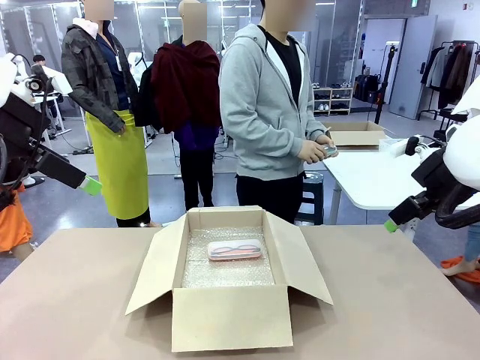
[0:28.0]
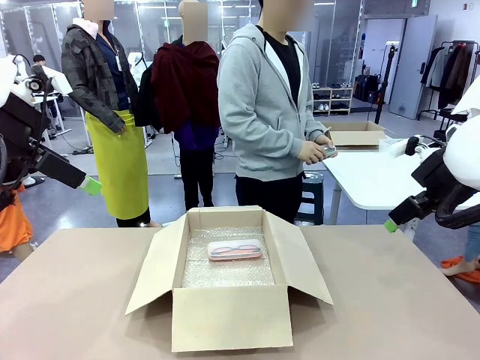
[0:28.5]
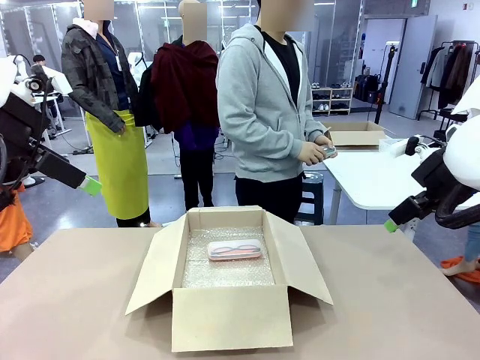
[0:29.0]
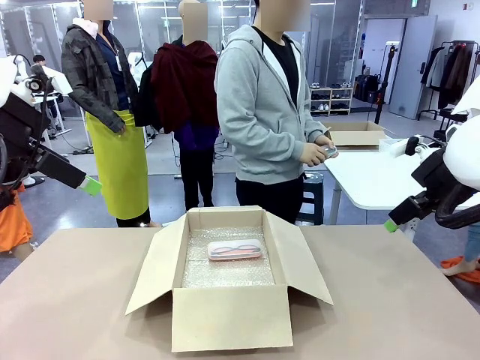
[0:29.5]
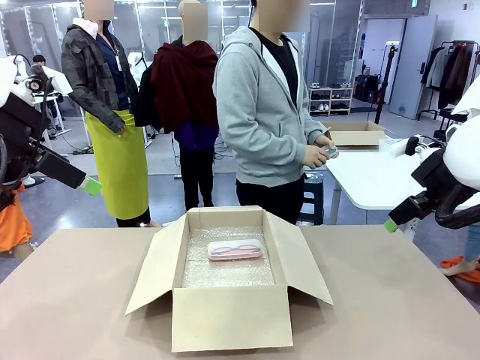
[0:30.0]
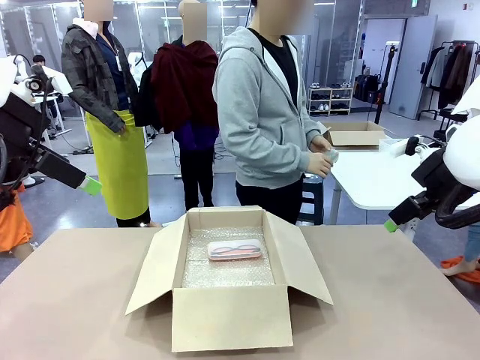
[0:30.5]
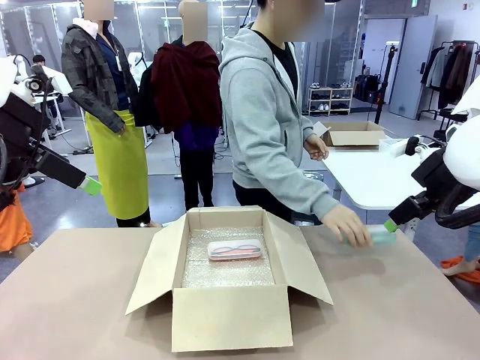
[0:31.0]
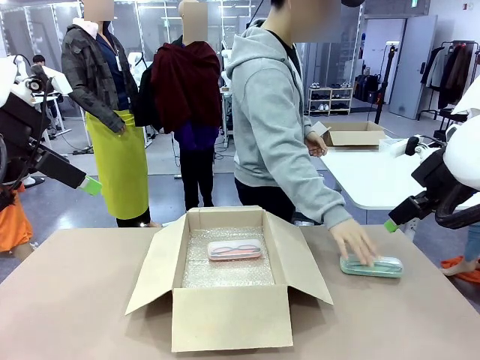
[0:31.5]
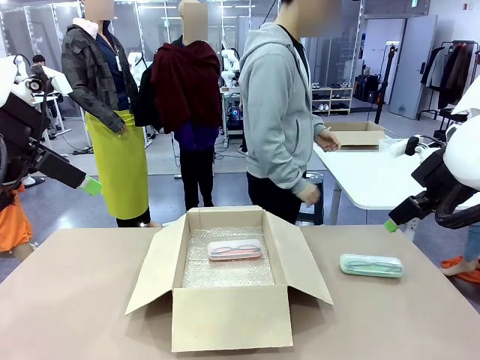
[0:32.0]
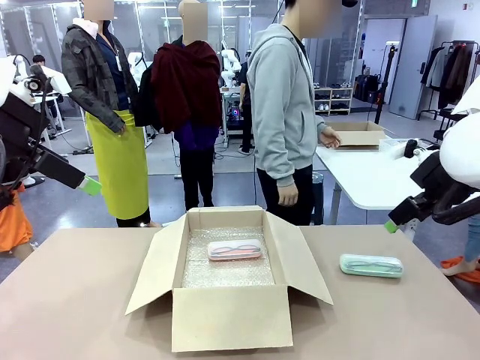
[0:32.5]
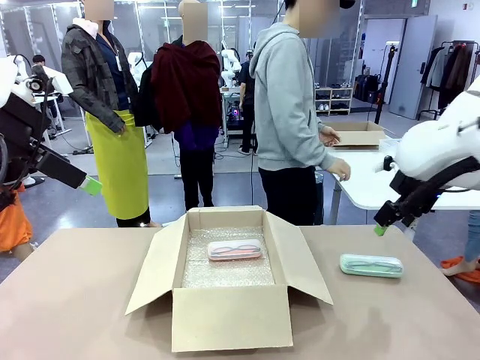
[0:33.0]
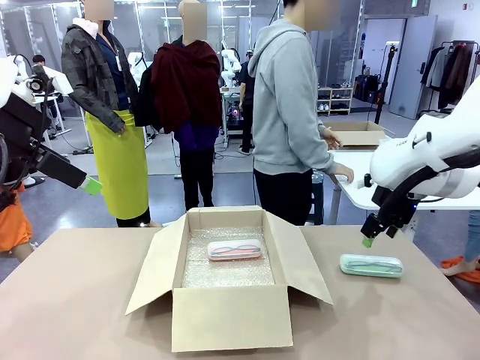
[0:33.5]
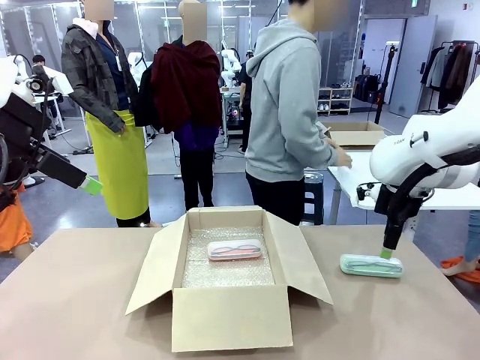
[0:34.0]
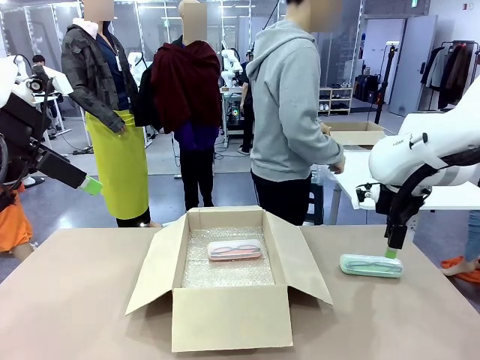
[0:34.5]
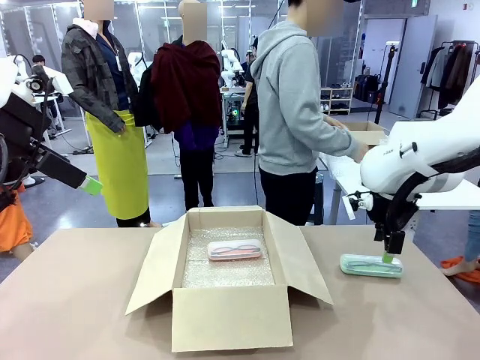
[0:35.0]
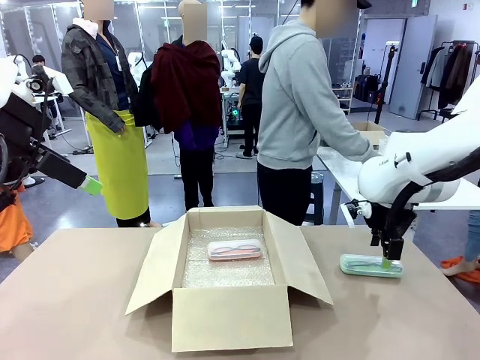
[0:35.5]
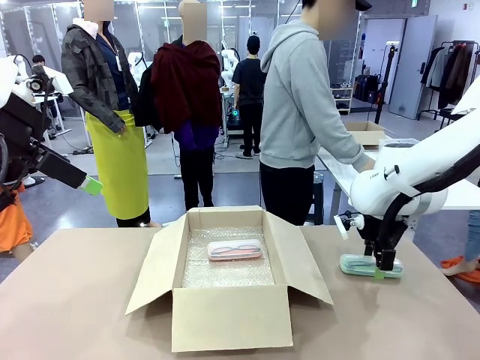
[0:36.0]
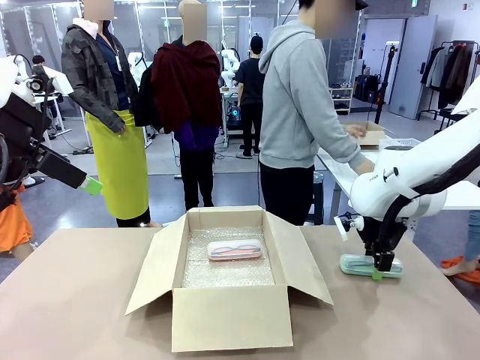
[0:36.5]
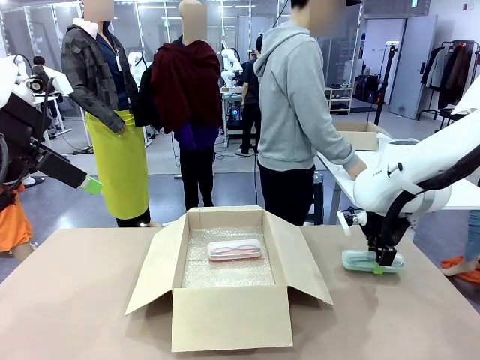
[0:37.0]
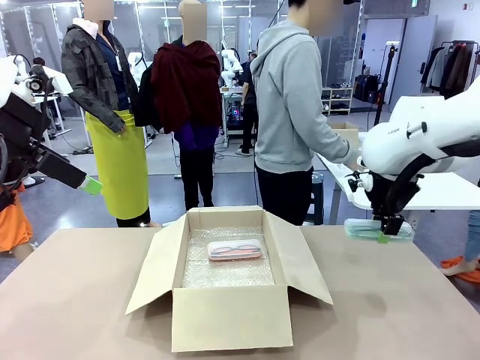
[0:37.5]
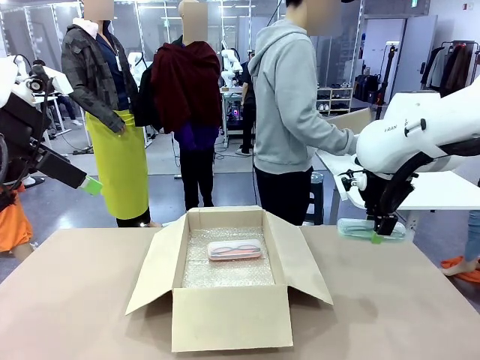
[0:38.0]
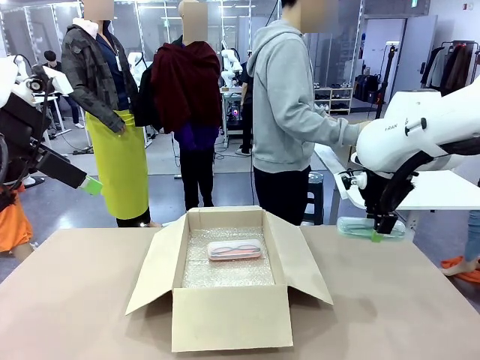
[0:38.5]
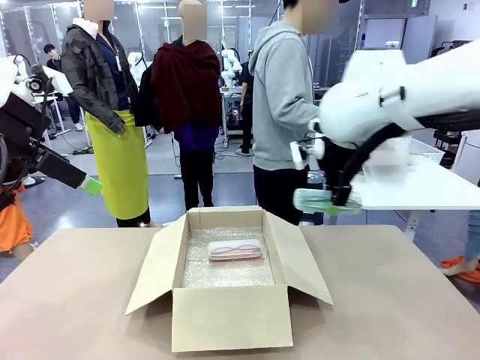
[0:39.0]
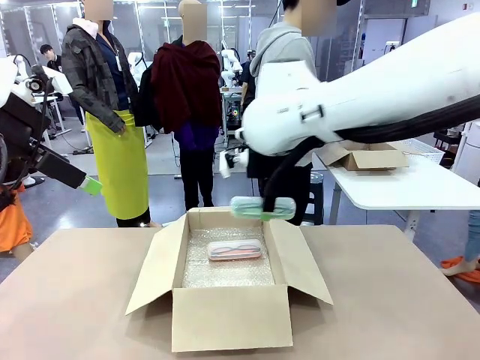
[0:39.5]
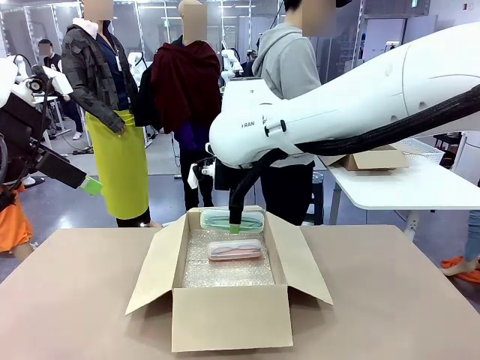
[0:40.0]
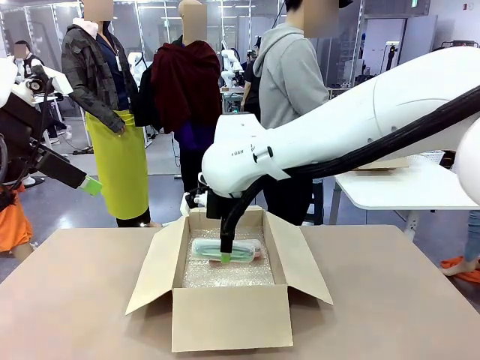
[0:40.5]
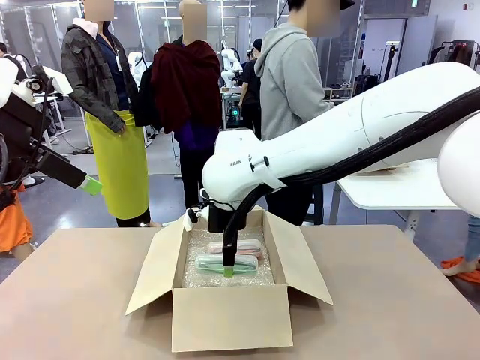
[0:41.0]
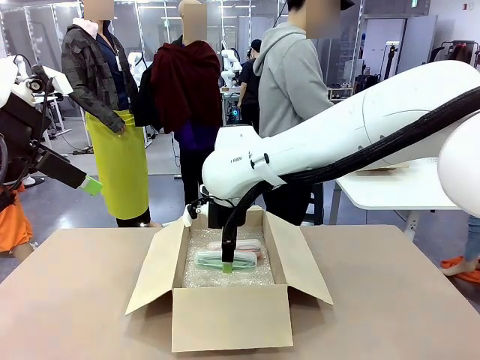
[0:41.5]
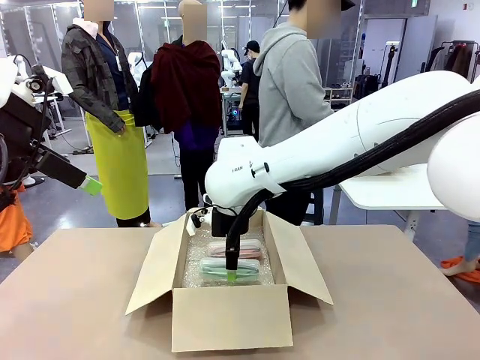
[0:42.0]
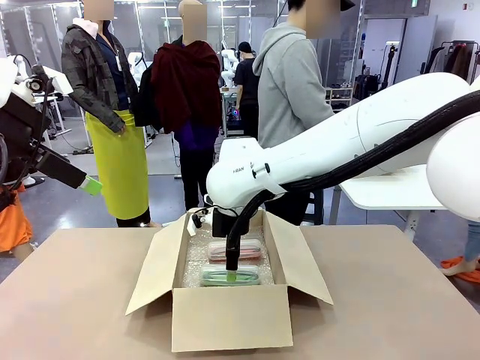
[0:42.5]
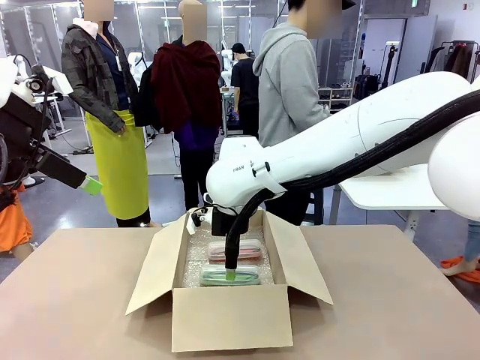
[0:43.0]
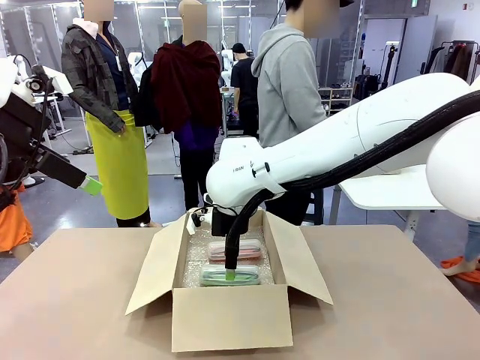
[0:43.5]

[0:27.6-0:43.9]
Task: Pack the glasses set securely to prepare it for shipping.
Robot: Put the Glasses case from the right side of the table into the Package Box.

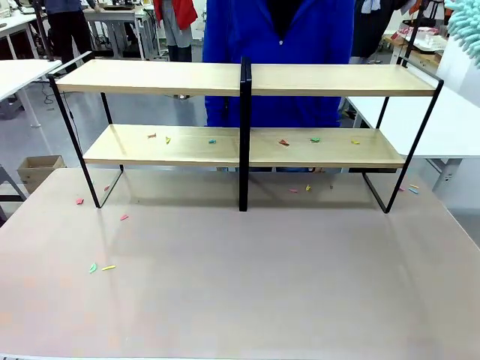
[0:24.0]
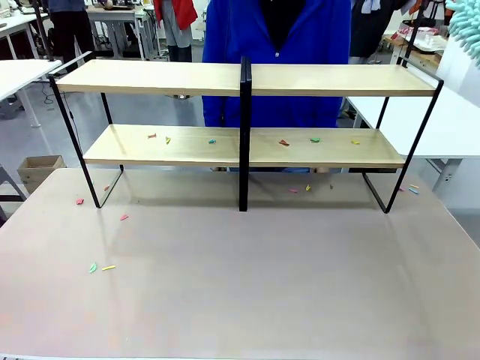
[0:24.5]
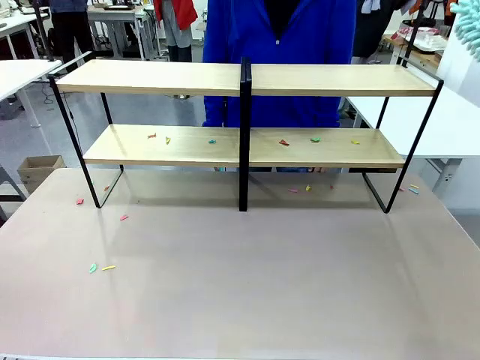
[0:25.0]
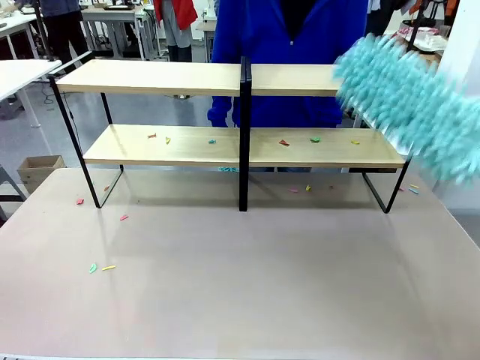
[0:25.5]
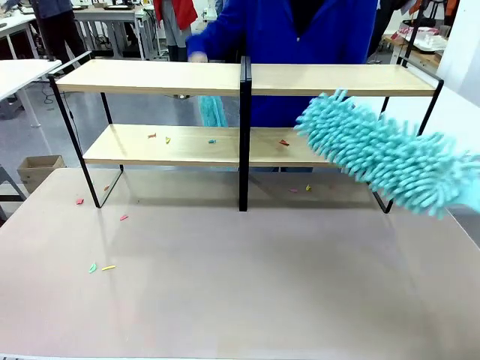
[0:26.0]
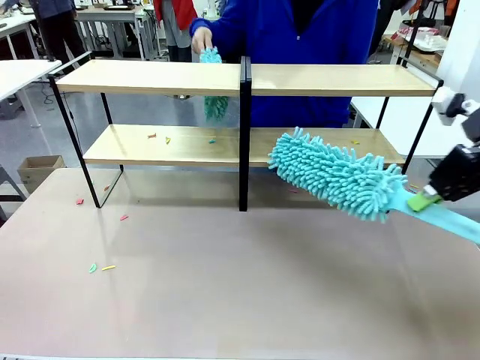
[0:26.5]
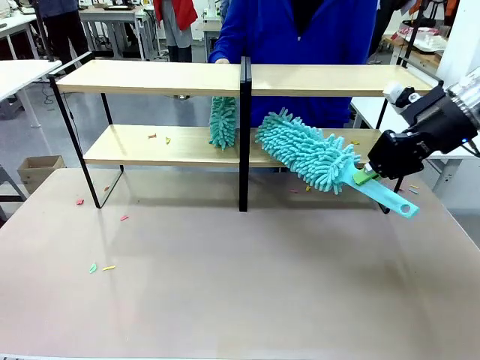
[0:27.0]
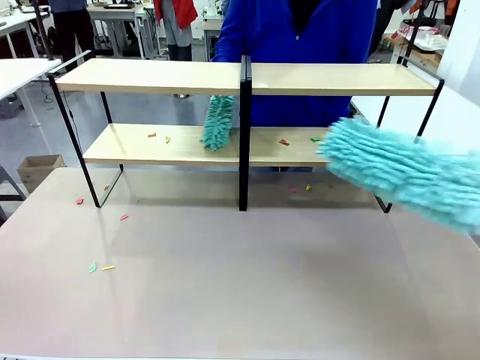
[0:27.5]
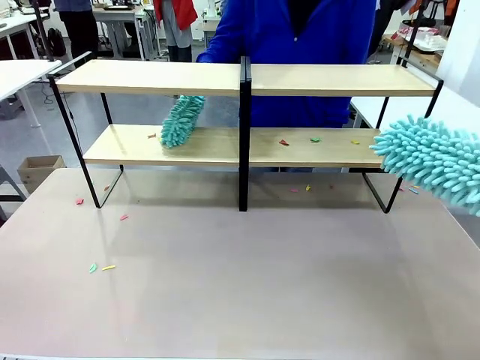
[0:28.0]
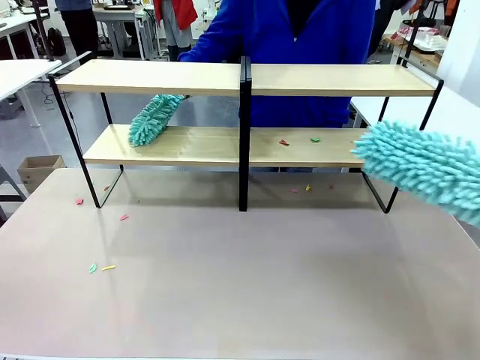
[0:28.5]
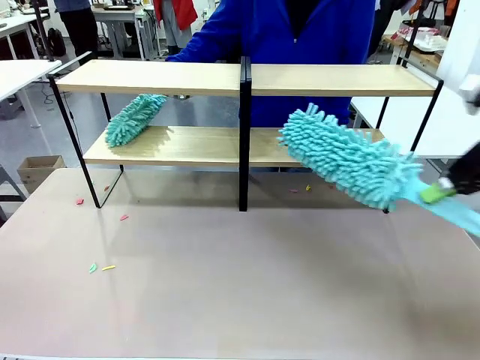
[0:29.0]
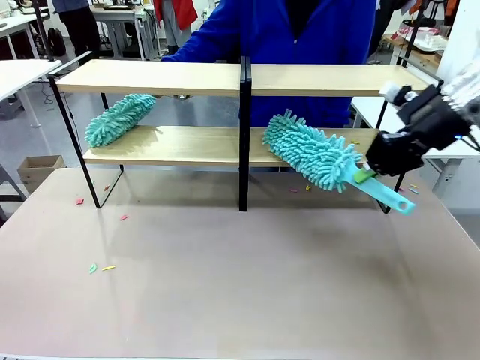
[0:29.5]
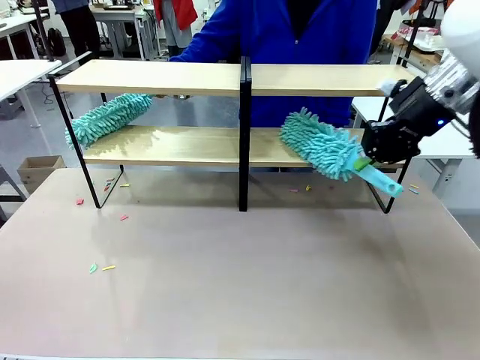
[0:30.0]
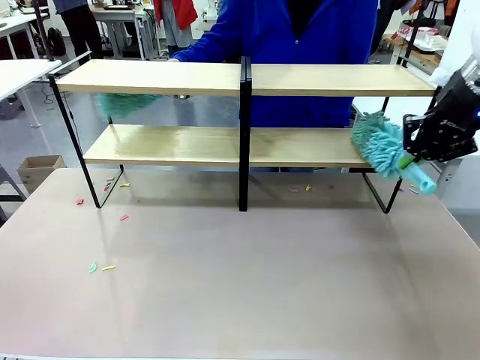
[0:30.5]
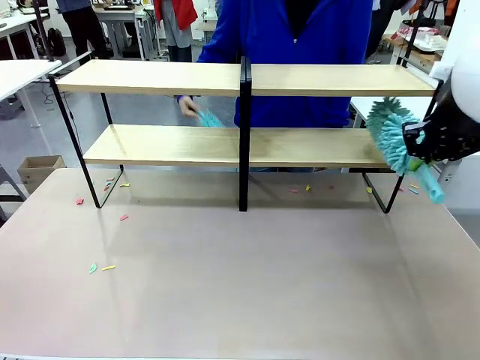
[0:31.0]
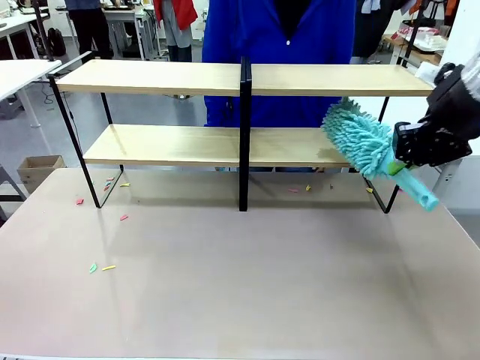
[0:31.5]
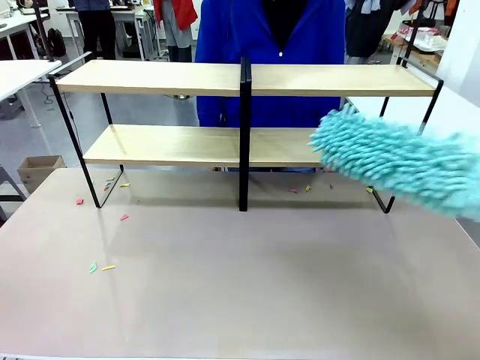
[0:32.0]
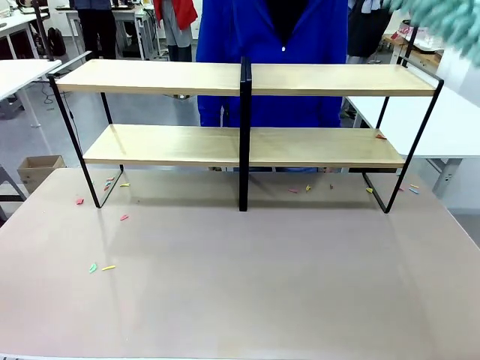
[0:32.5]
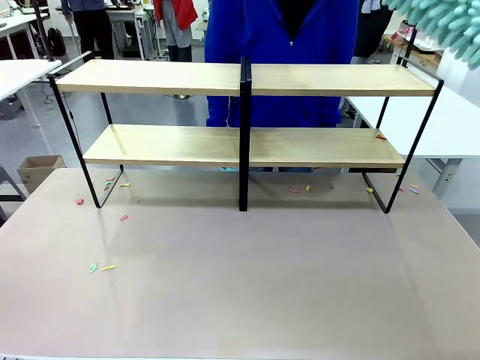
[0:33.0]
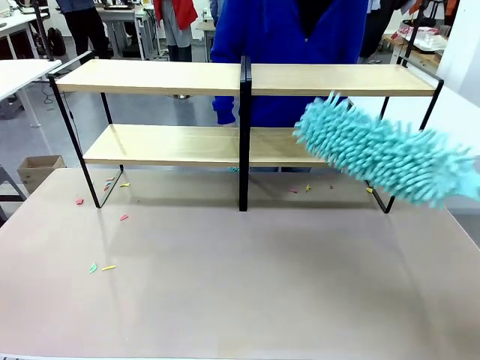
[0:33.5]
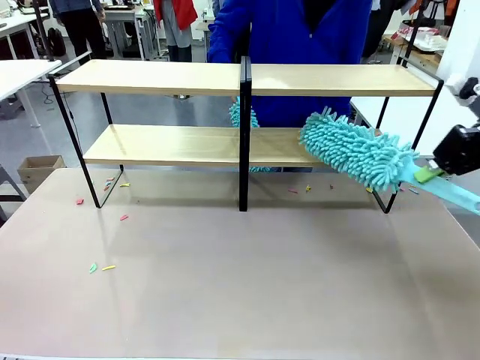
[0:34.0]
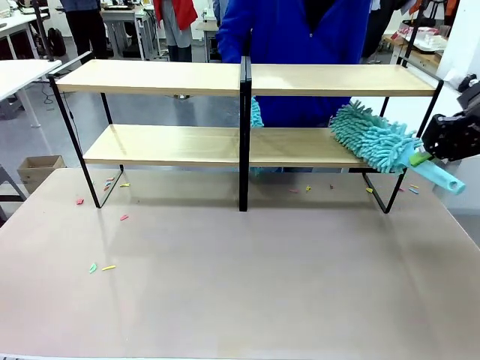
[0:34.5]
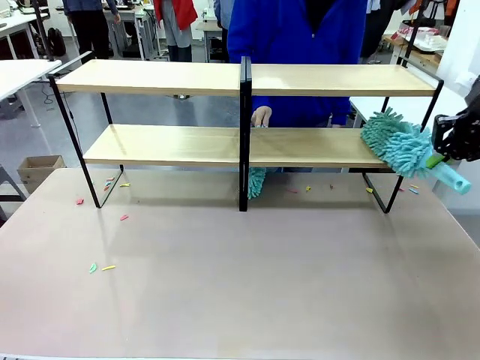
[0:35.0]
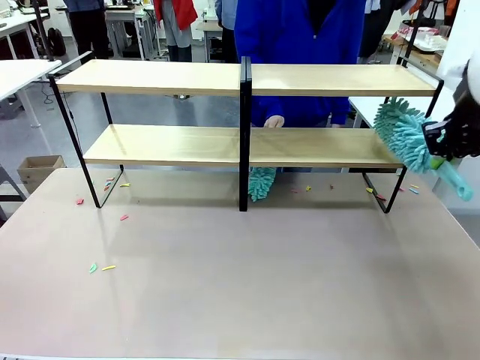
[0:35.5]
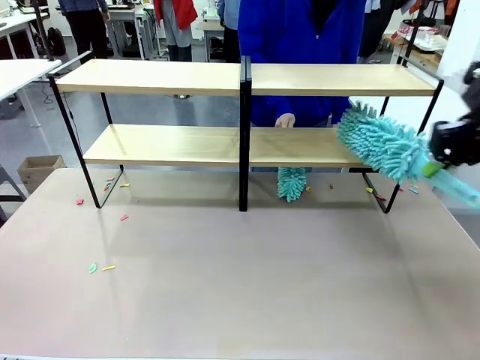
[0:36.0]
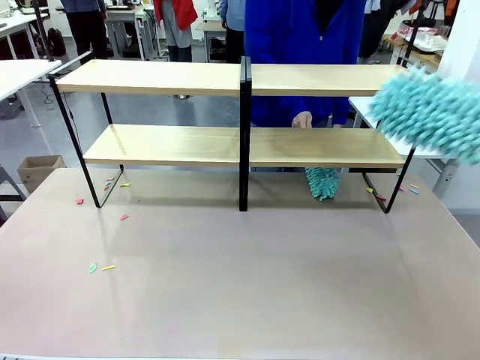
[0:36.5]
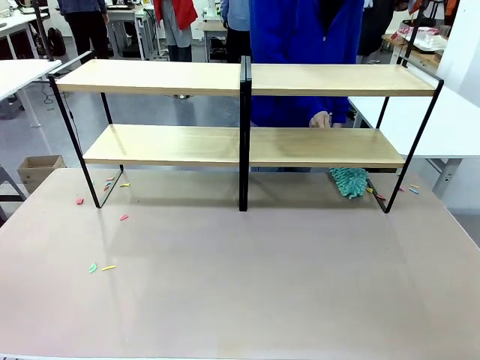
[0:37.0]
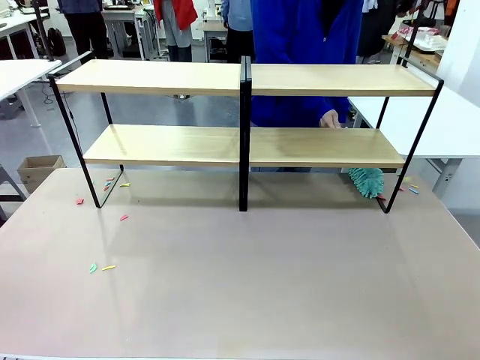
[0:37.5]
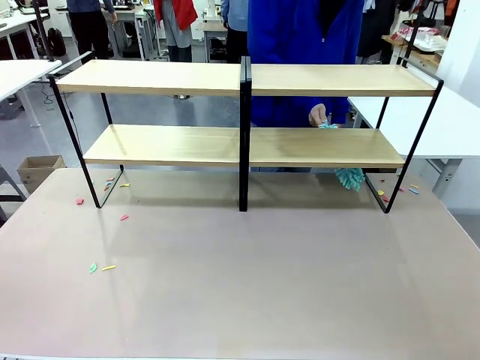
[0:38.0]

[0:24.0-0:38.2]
Task: Clean the shelves.
Robot: Clean another randomly selected level of the Shelf with the Duster.
